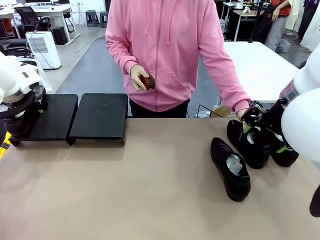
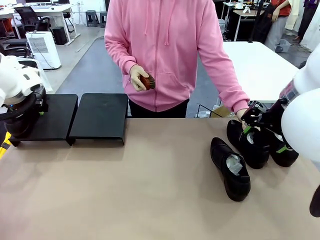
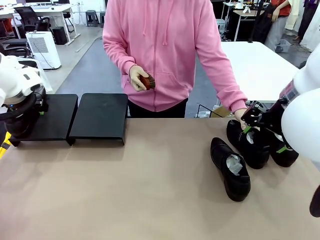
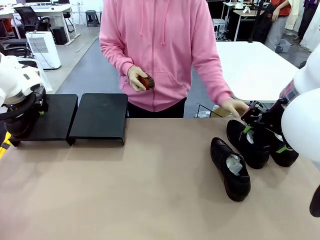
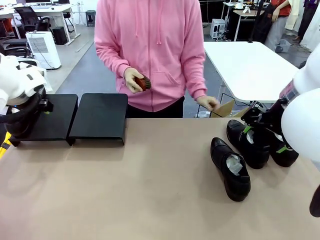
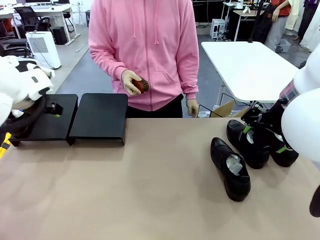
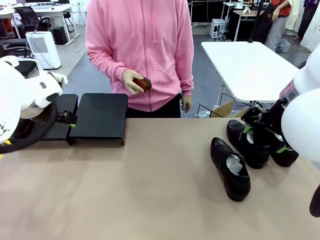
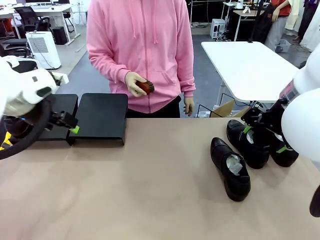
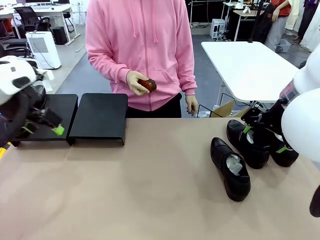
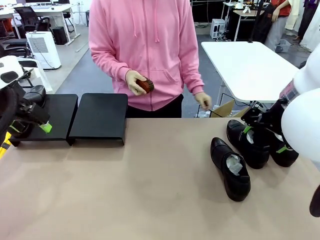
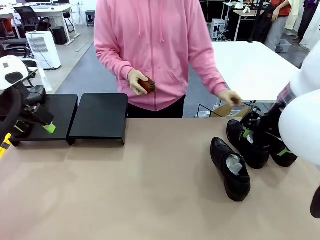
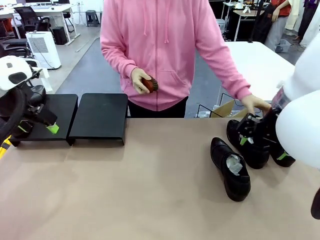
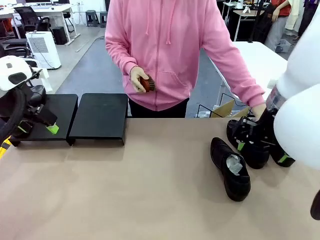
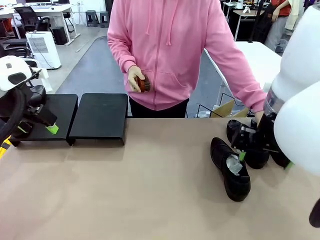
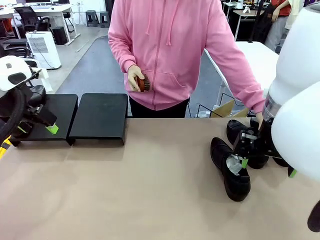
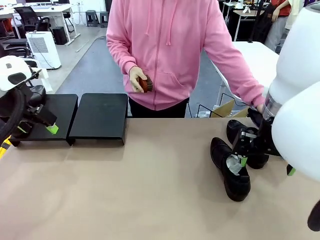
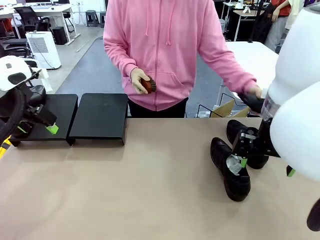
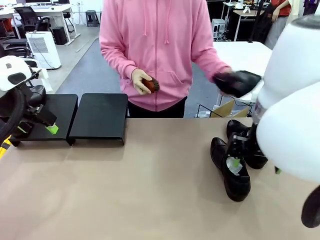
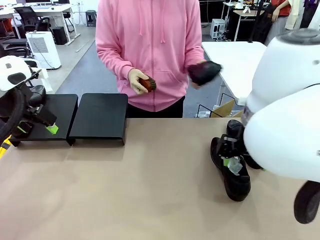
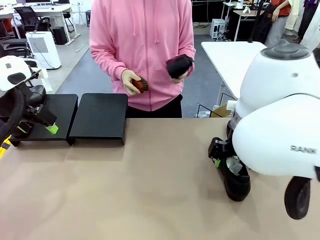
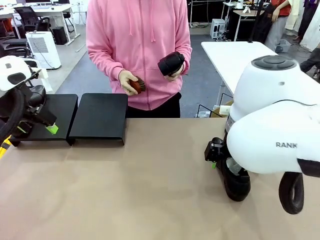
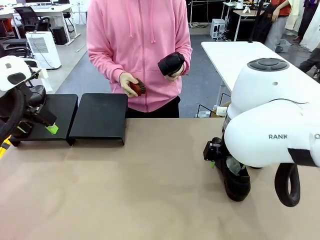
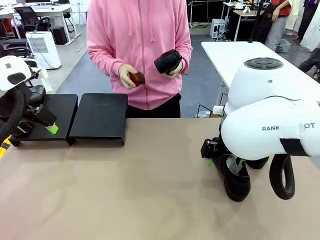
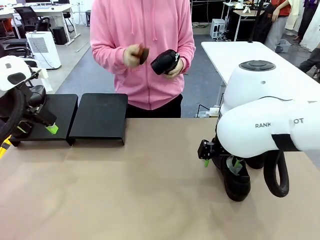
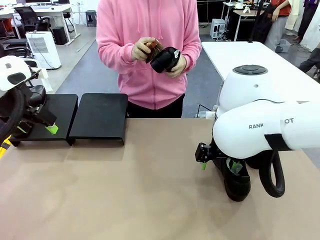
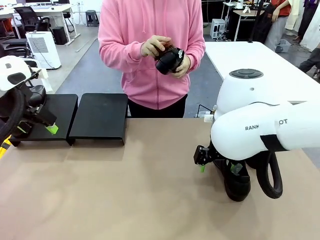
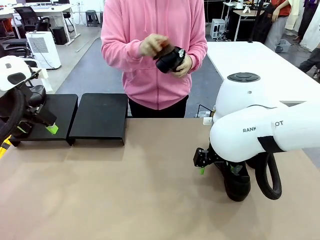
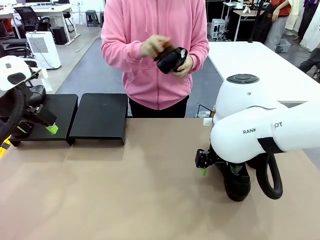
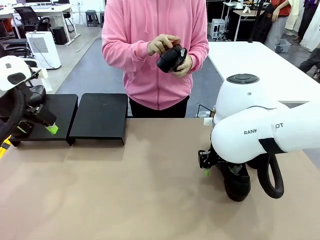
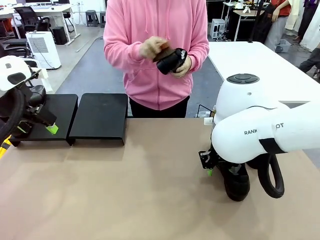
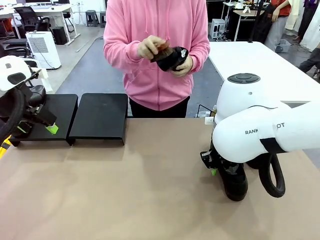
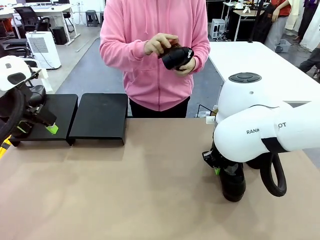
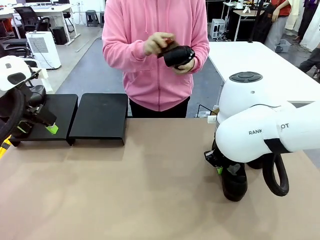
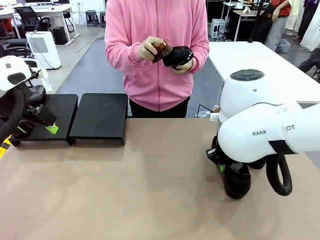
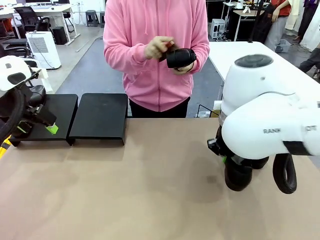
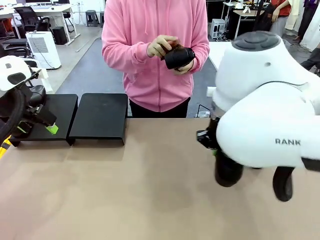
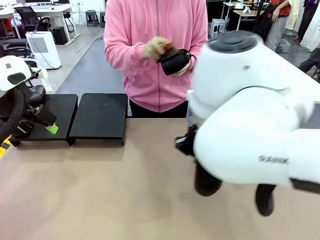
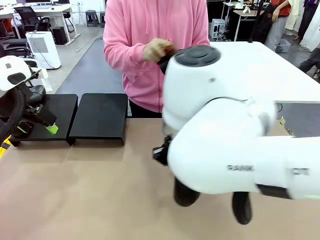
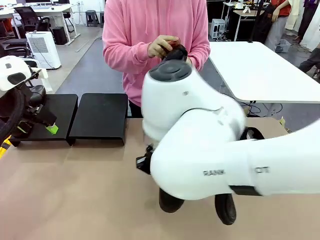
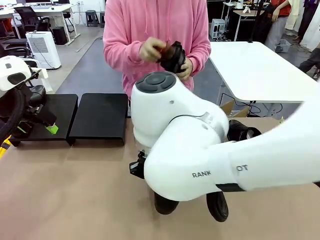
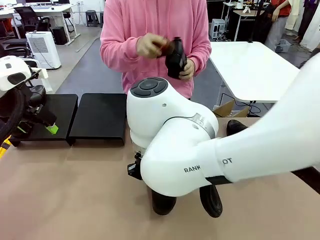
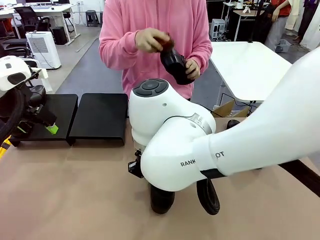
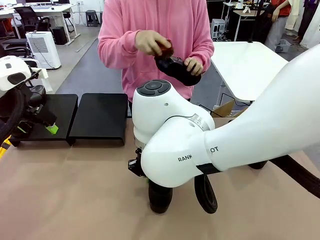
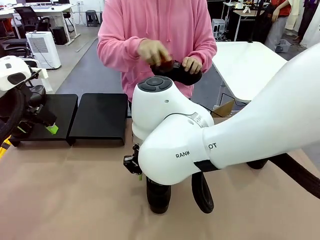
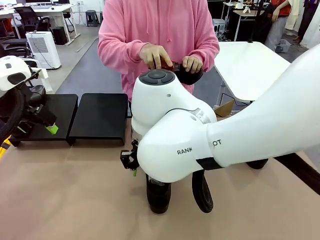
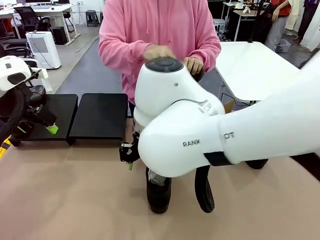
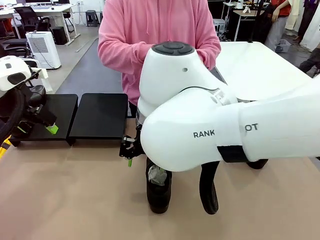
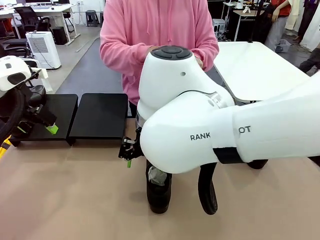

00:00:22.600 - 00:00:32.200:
Task: Organize the shoes by placing them on the stand.
Robot: Pick up one Shoe and place it in the middle of the table.
Person: Pick one Shoe on Robot's table.

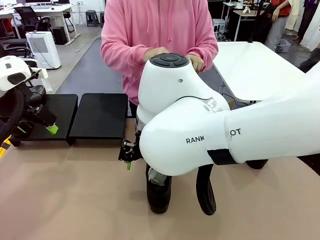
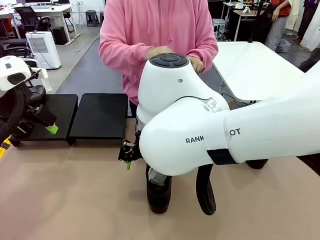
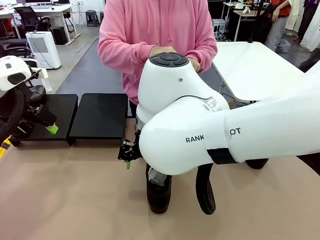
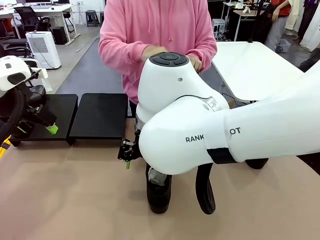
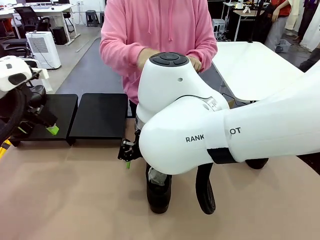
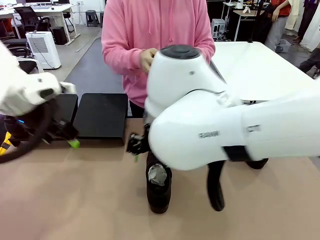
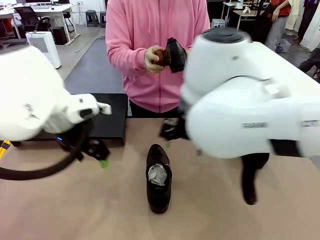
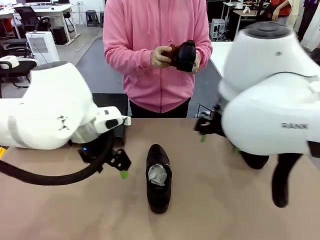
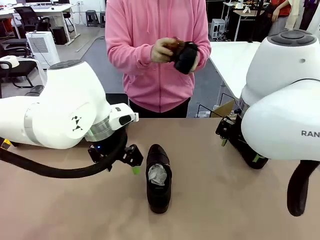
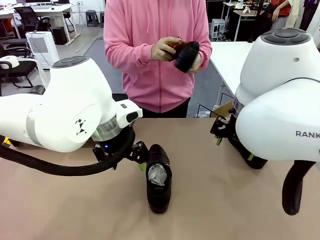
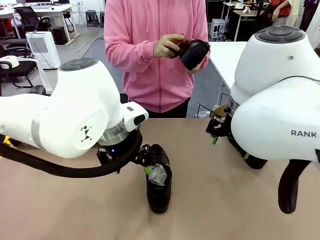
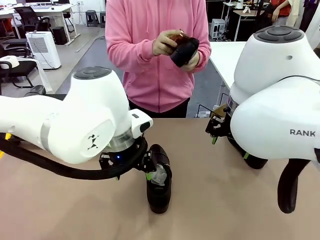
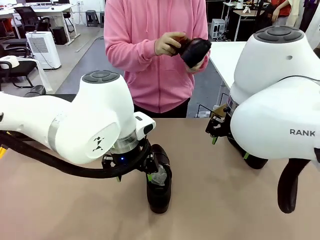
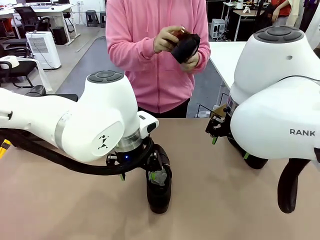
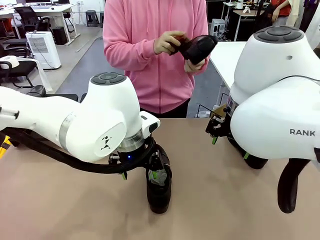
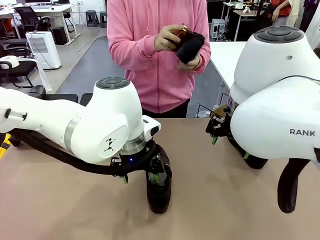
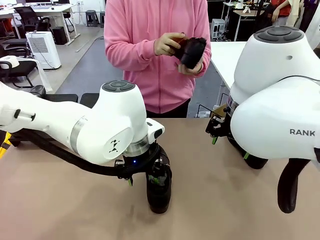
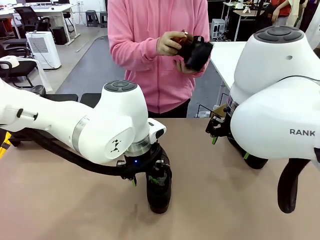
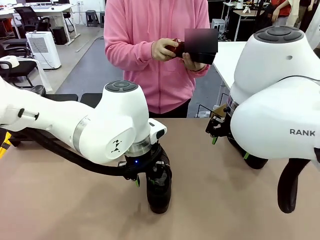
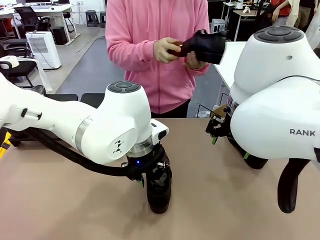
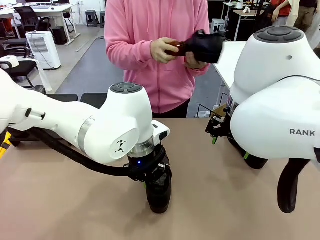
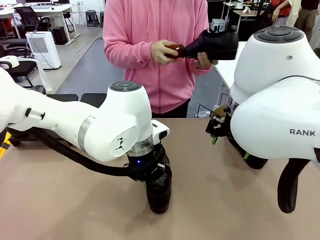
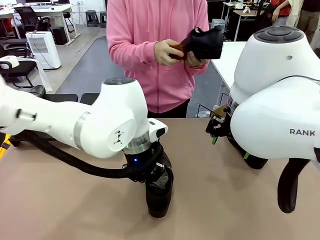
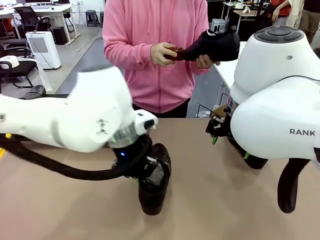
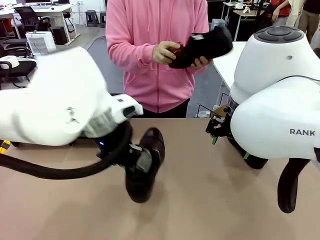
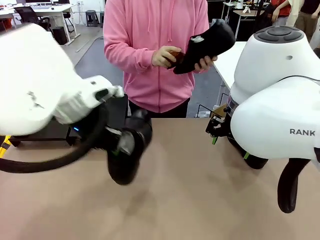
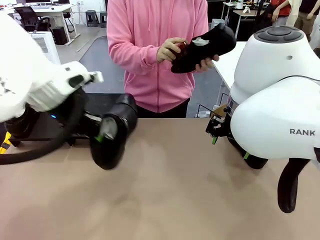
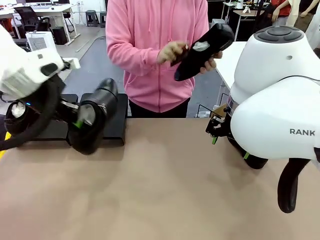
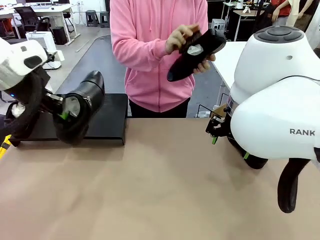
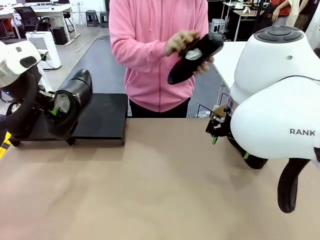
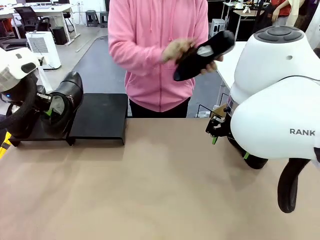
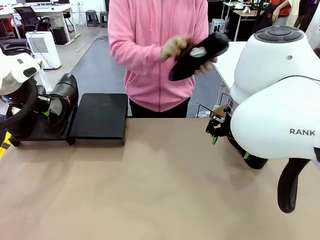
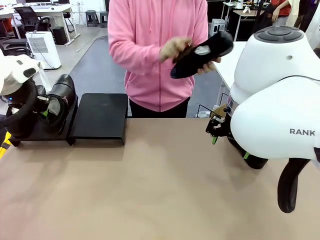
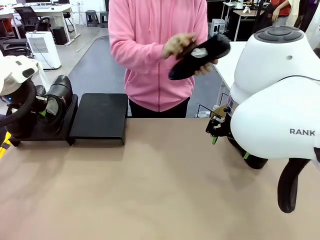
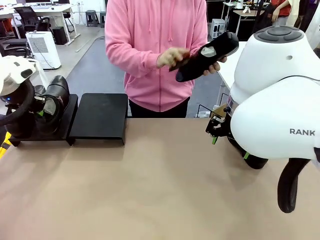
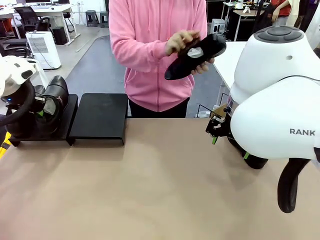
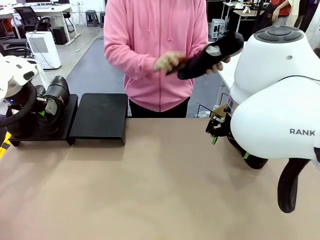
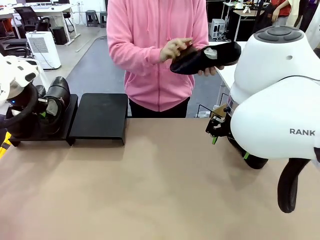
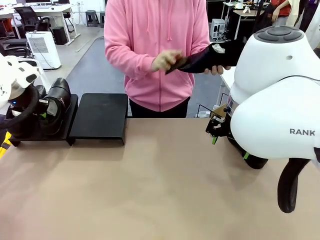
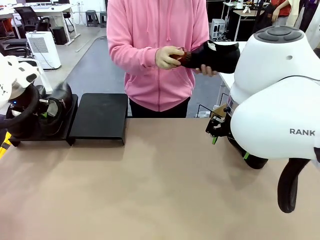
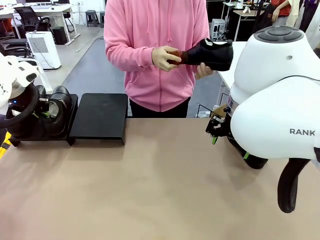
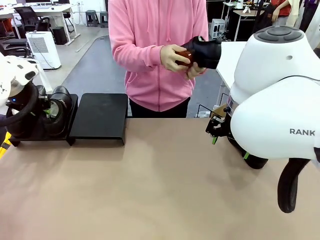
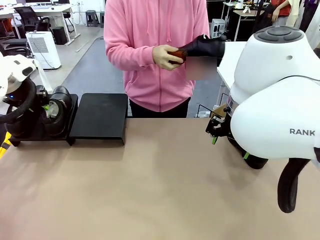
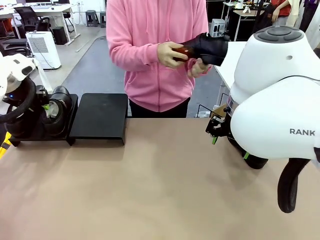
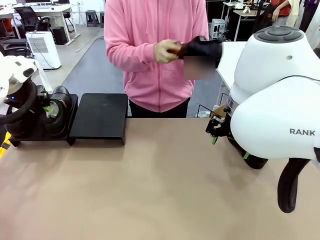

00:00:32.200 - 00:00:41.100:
Robot: Place the Shoe from the middle of the table onto the Shoes Stand.

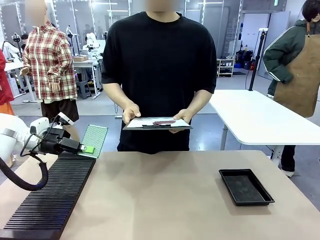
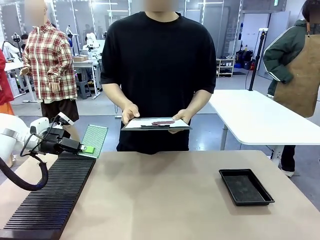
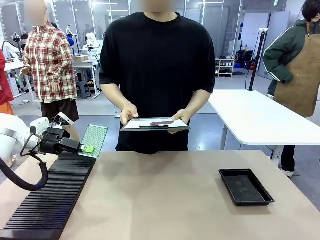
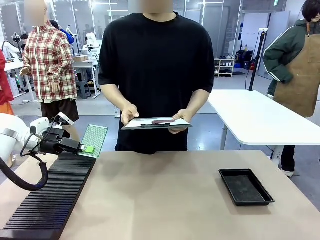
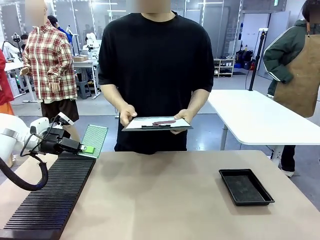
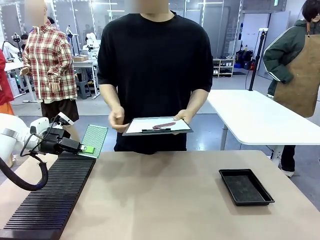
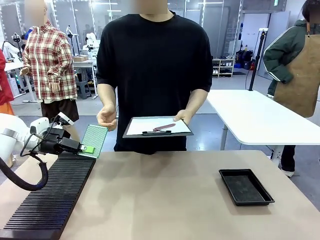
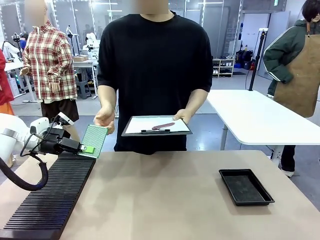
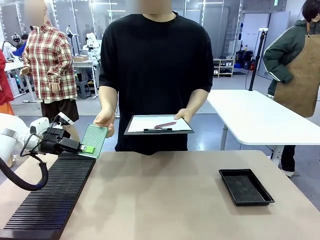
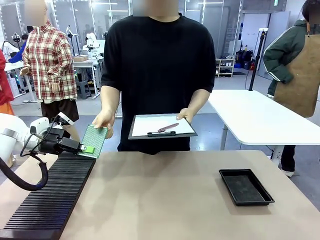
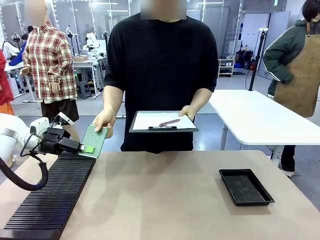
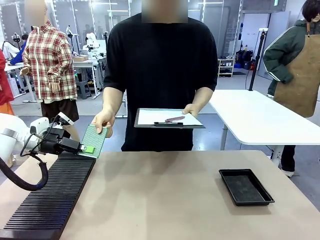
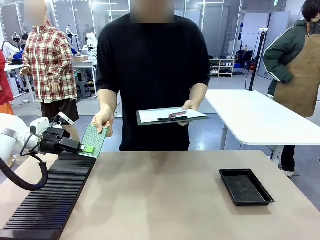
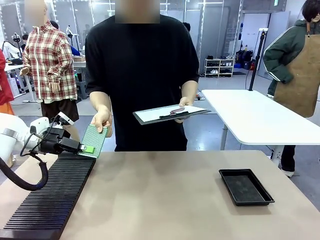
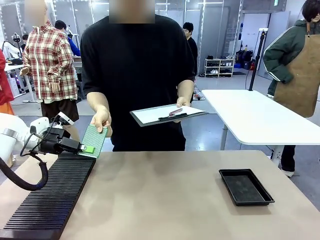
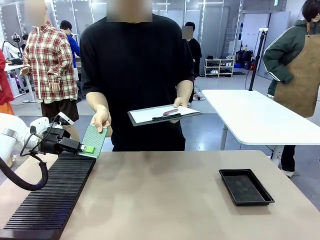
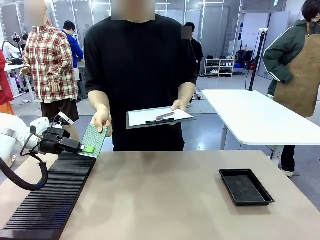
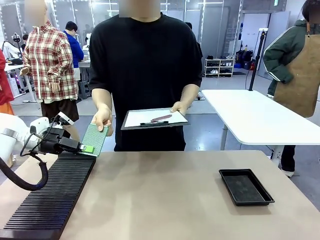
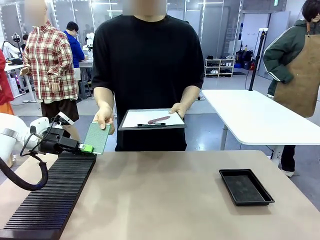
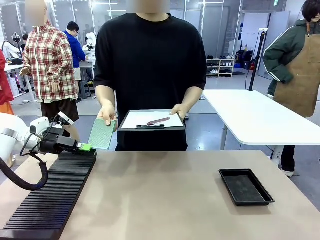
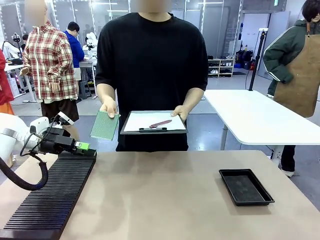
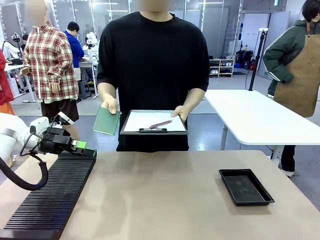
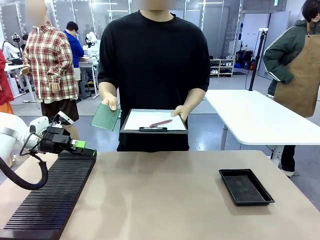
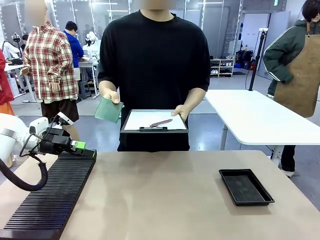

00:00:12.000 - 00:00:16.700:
Task: Inspect the PCB.
Robot: Release the Blank PCB you were holding.
